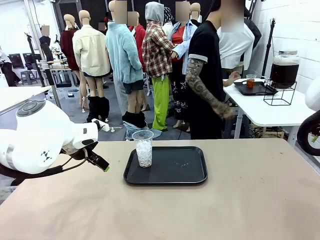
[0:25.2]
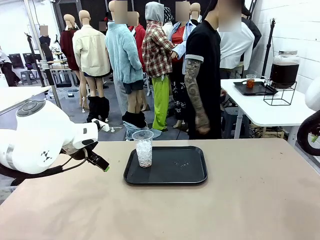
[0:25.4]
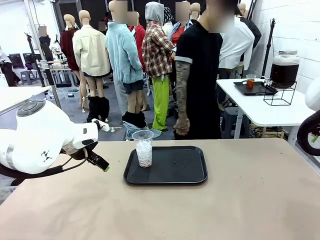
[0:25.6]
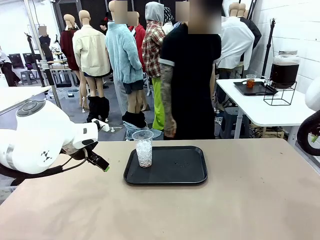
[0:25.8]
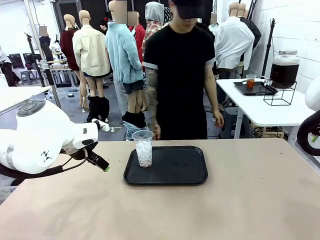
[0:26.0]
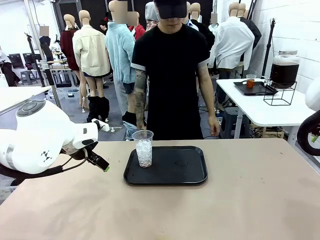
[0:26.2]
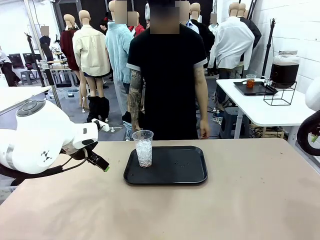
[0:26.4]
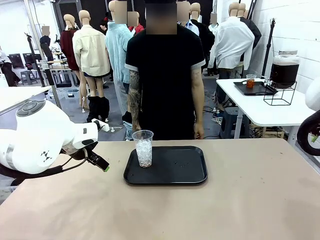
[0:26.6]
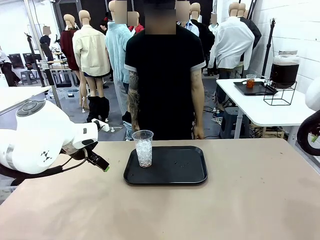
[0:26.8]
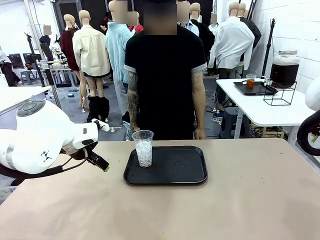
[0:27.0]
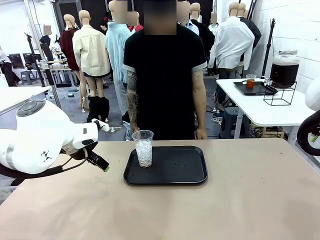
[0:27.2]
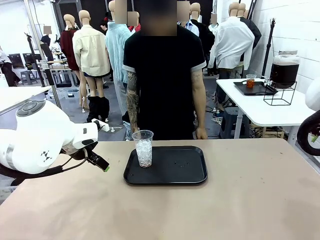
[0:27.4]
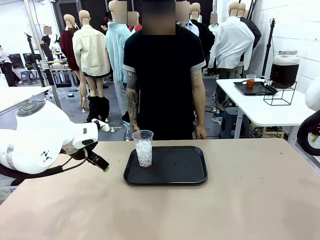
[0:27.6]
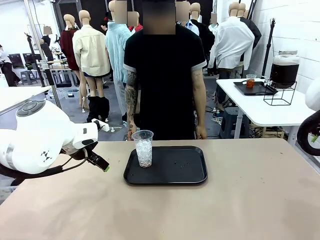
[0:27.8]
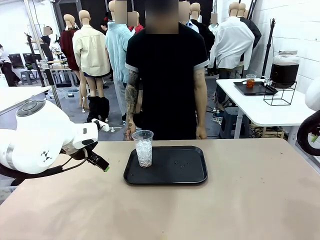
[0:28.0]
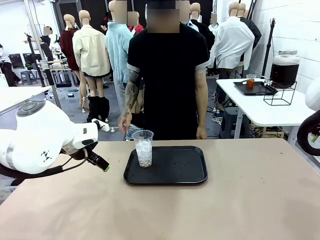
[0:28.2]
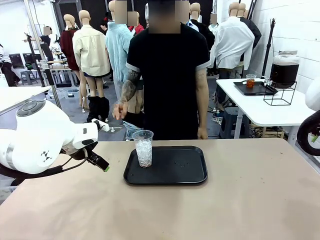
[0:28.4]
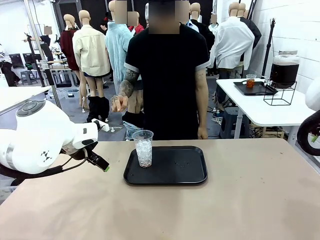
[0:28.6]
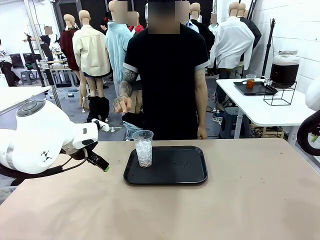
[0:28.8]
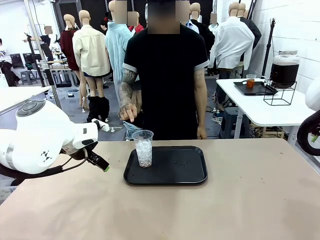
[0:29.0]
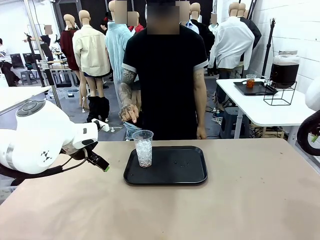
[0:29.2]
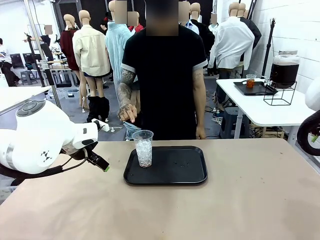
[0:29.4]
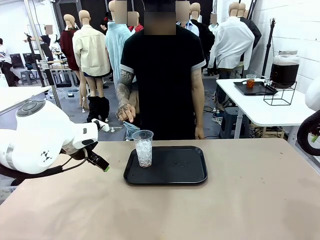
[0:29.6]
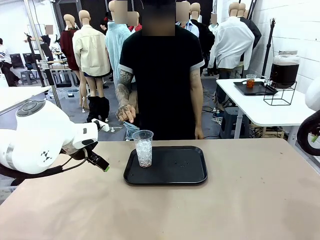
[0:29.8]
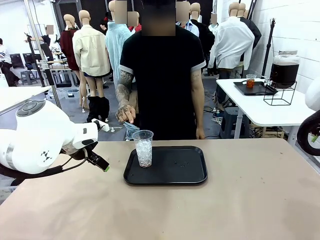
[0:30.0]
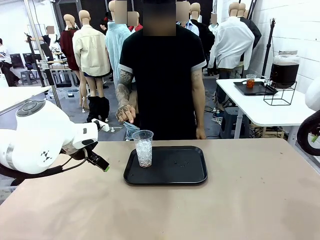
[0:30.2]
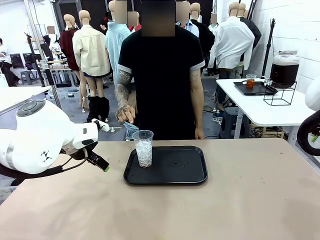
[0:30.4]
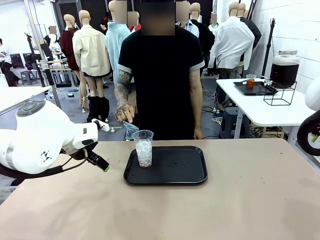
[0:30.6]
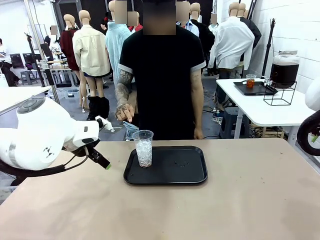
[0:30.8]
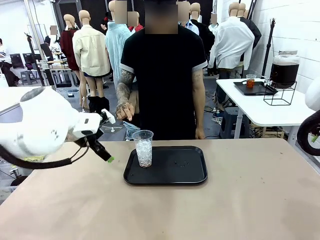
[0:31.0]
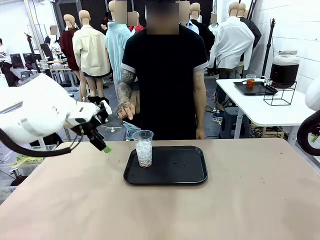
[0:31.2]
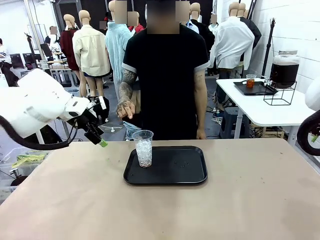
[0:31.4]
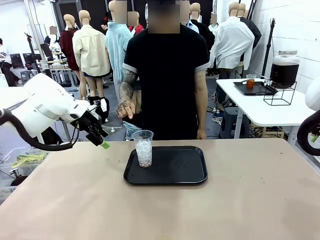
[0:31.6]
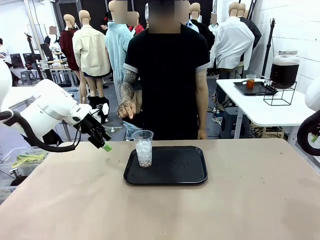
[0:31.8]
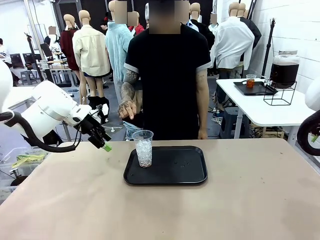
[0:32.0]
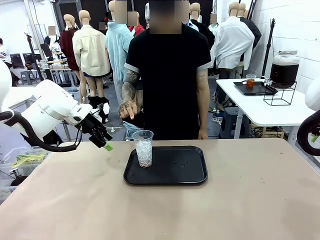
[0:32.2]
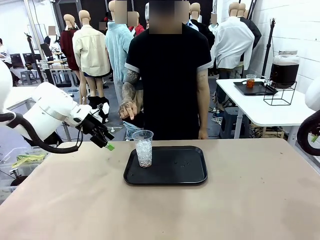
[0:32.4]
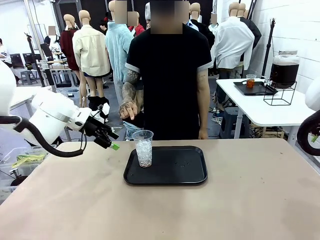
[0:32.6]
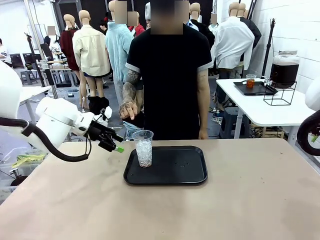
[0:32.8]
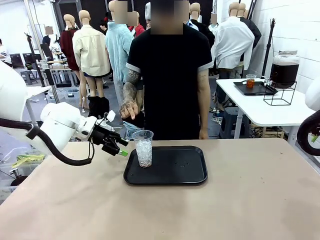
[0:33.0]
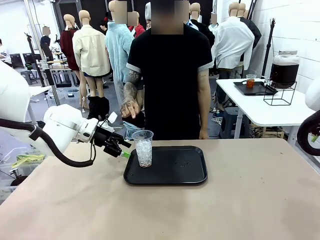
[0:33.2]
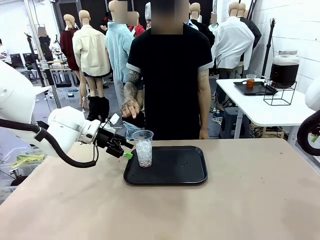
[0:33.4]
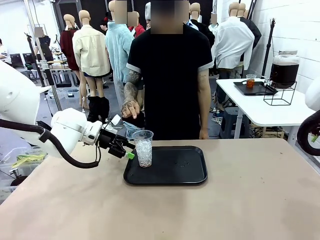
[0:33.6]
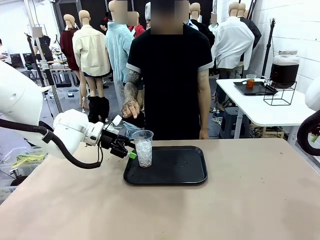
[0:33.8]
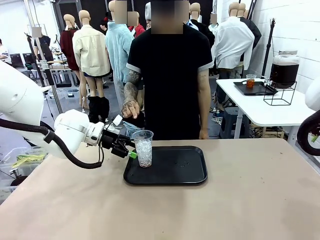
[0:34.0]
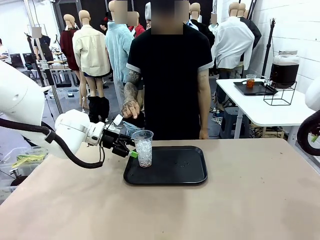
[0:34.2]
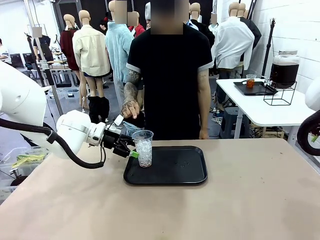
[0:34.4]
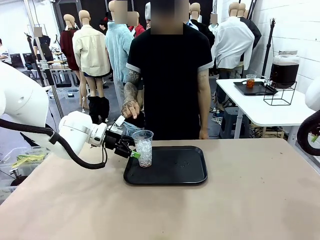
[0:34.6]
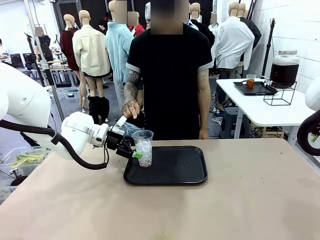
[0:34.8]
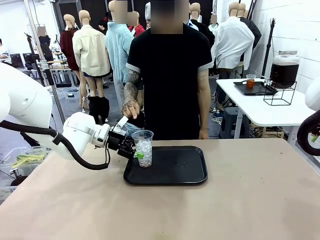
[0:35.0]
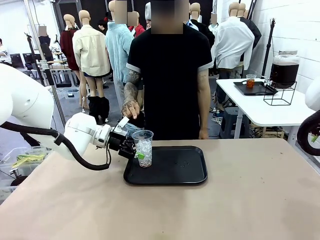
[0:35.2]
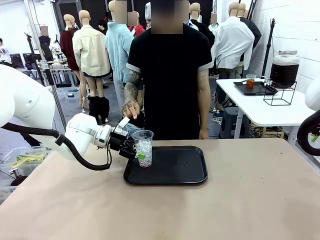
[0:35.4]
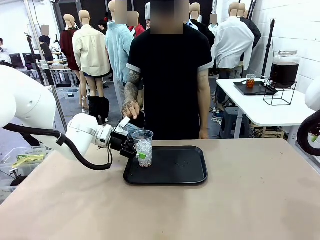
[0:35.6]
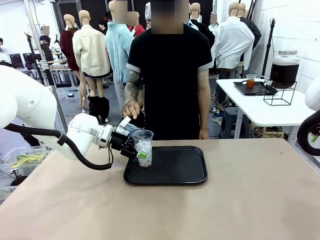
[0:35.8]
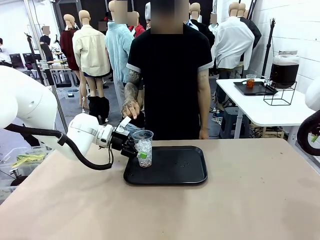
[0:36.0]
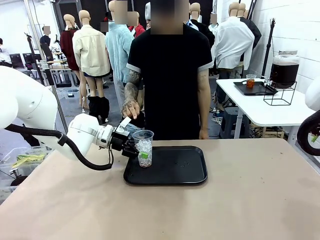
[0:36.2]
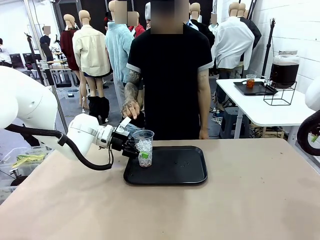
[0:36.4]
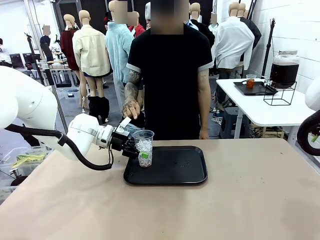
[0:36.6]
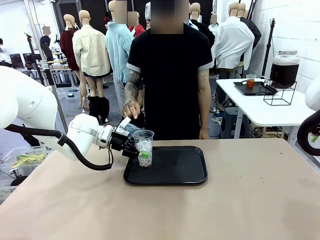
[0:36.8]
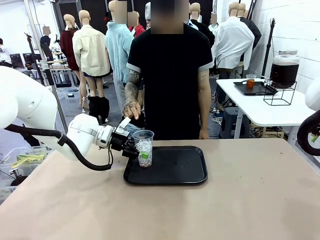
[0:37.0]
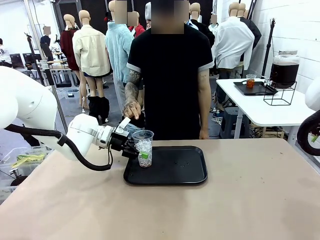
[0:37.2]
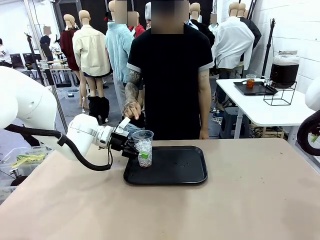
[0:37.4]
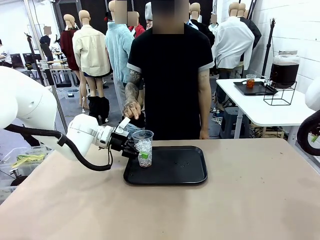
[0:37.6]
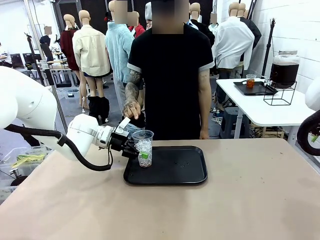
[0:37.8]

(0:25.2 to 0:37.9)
Task: Pour the drink into the iced cup.
Robot: Pick up the iced cup indicated by the human and present it to them.
Person: Point to the remaining ice cup on the robot table. Pick up the cup offered by the robot.
